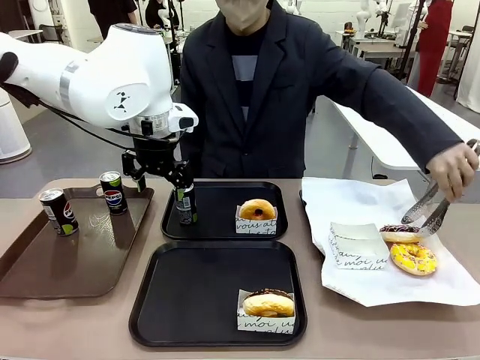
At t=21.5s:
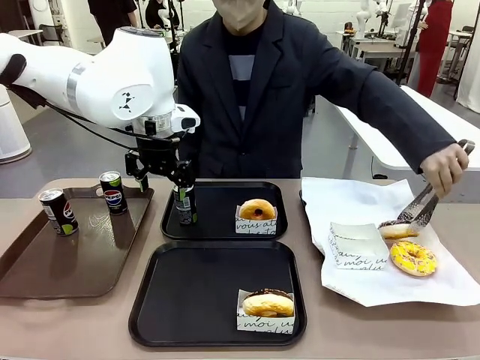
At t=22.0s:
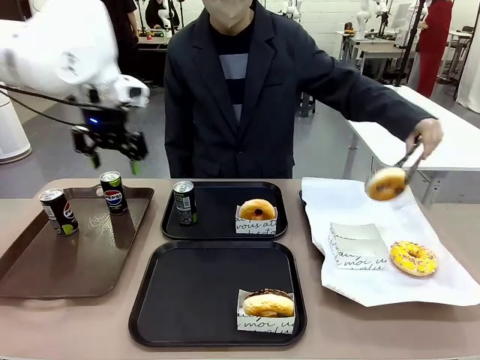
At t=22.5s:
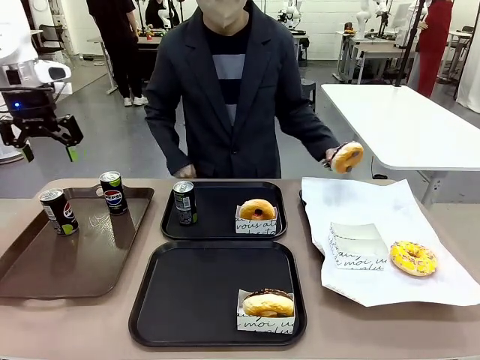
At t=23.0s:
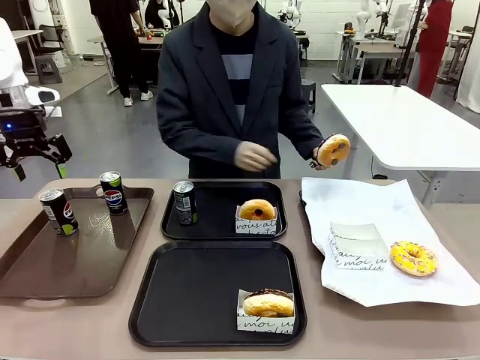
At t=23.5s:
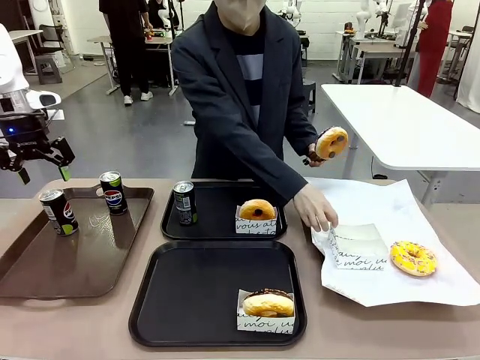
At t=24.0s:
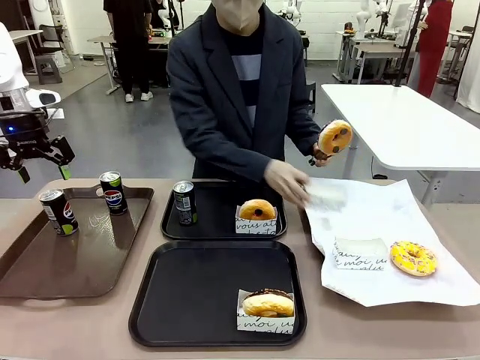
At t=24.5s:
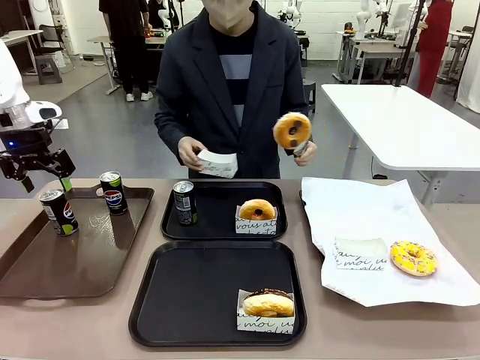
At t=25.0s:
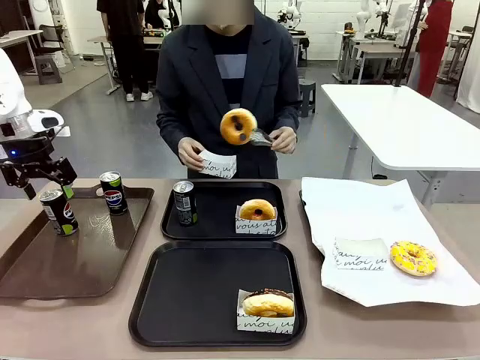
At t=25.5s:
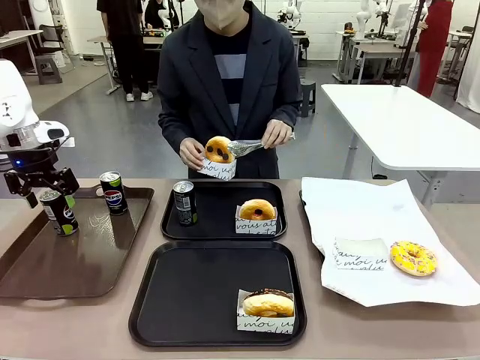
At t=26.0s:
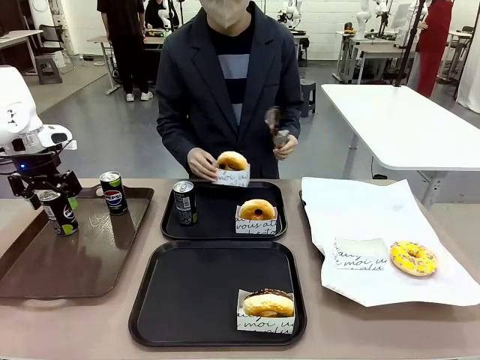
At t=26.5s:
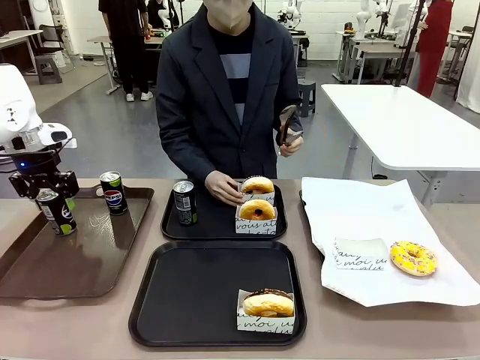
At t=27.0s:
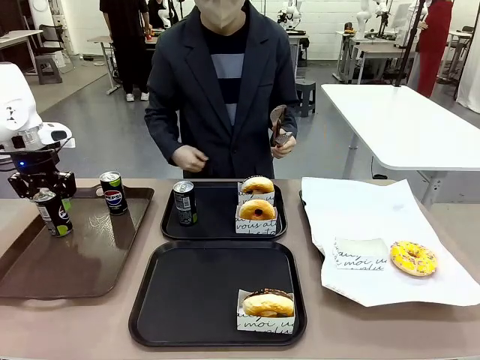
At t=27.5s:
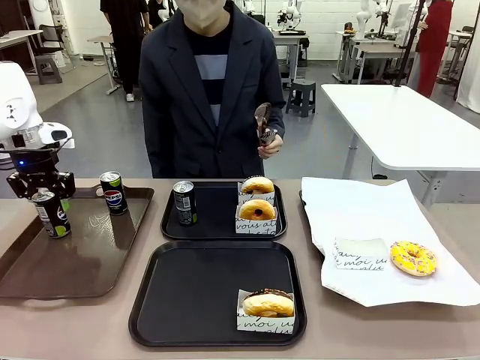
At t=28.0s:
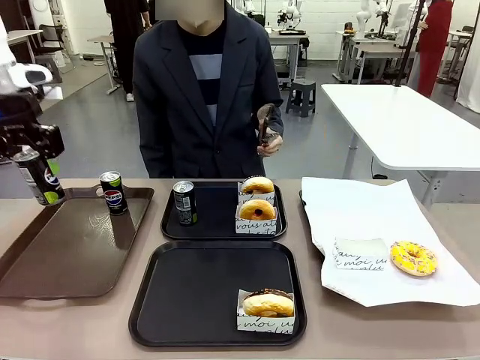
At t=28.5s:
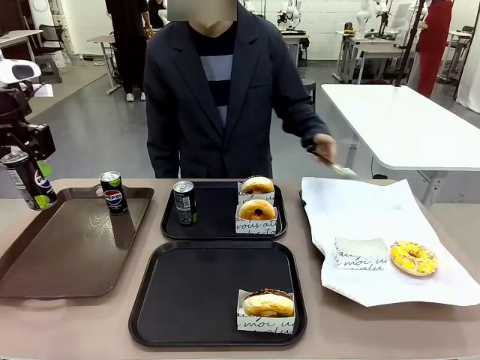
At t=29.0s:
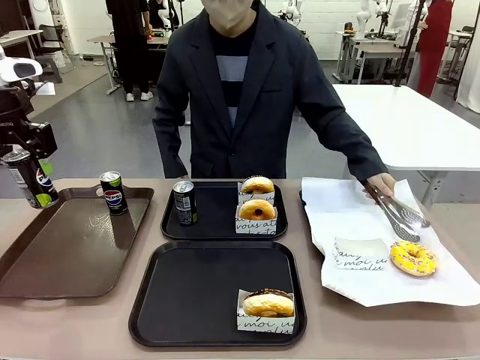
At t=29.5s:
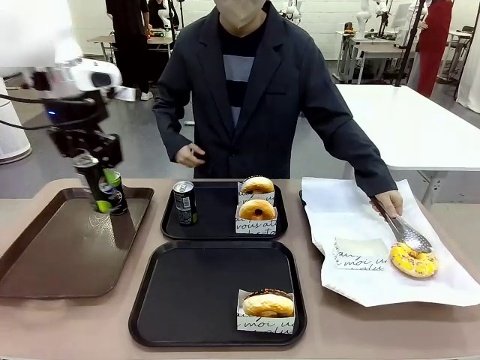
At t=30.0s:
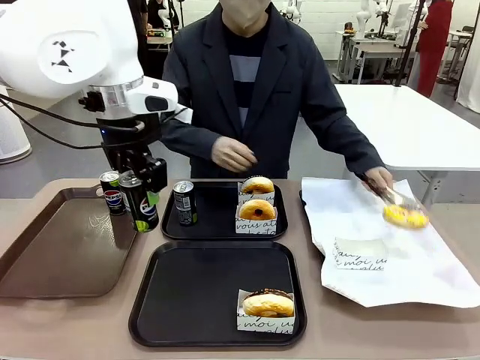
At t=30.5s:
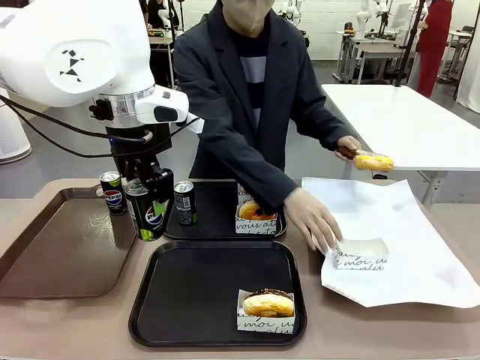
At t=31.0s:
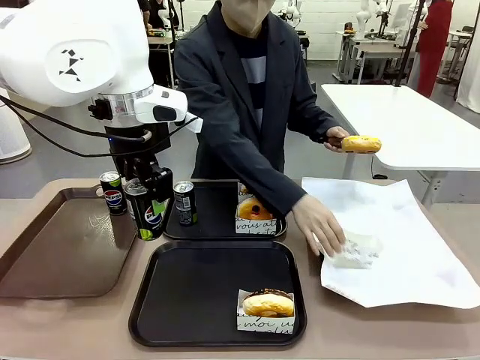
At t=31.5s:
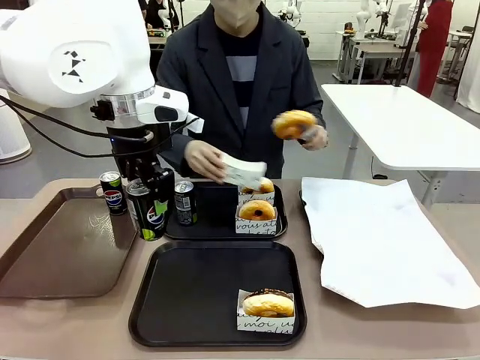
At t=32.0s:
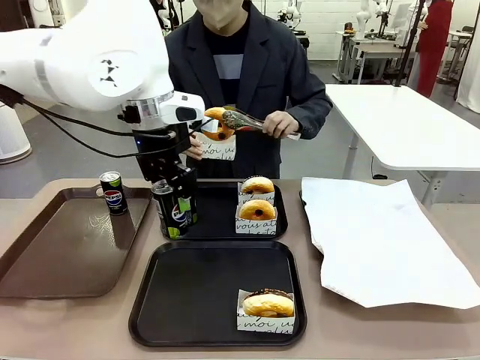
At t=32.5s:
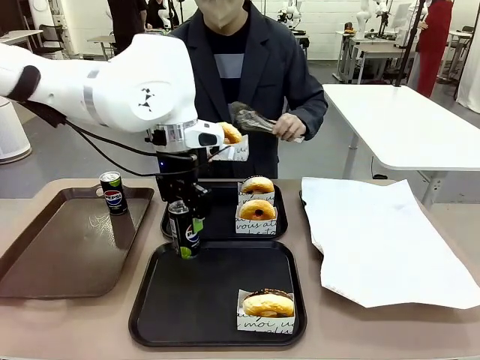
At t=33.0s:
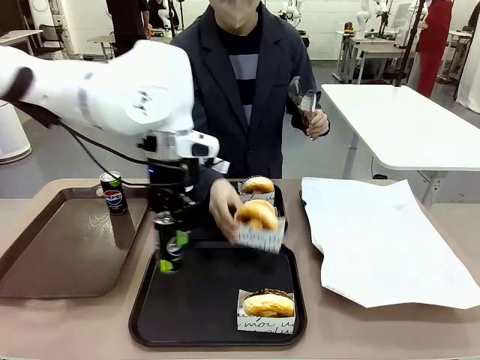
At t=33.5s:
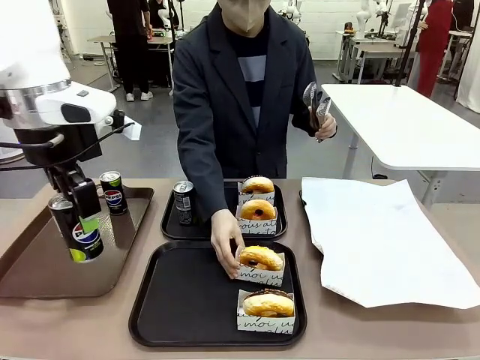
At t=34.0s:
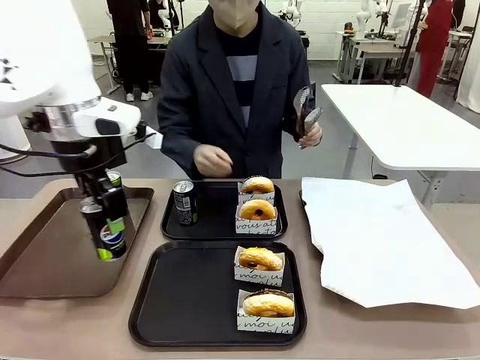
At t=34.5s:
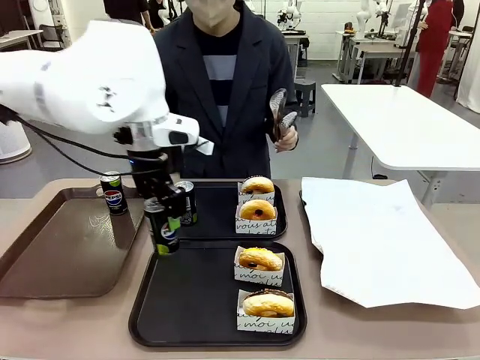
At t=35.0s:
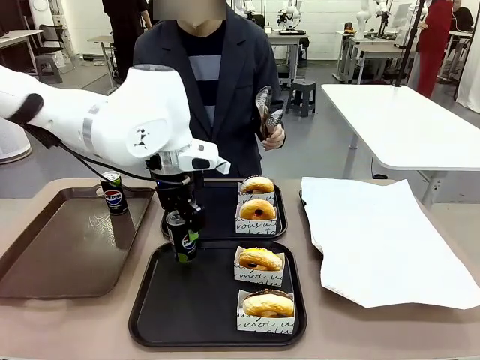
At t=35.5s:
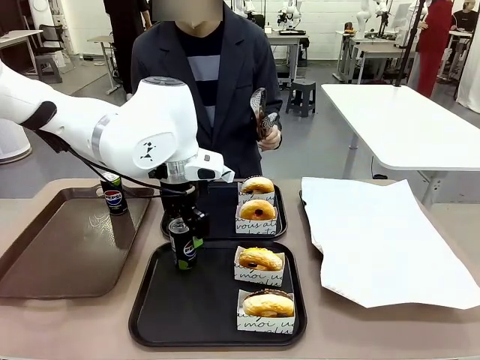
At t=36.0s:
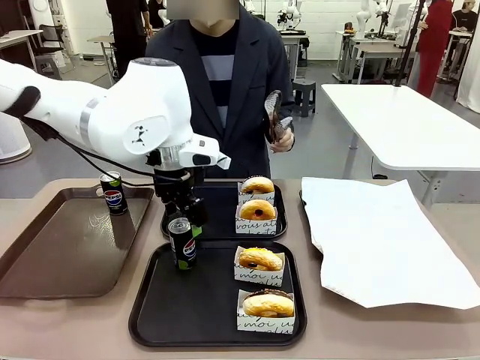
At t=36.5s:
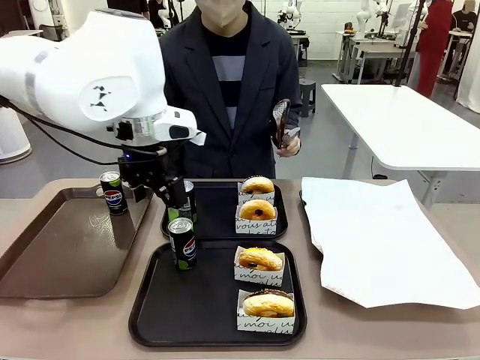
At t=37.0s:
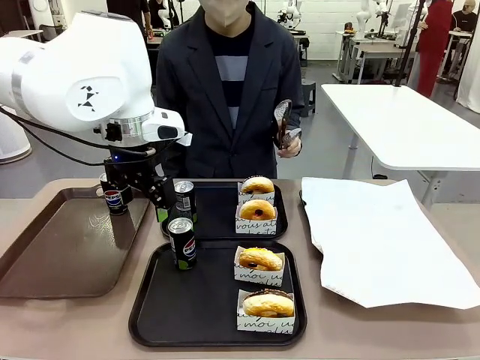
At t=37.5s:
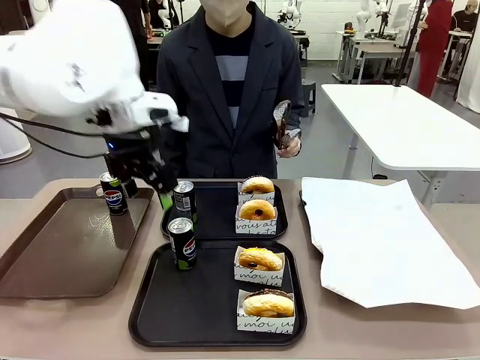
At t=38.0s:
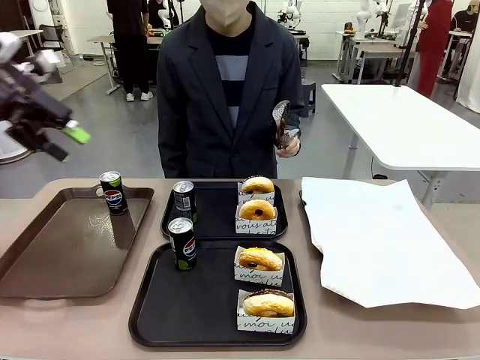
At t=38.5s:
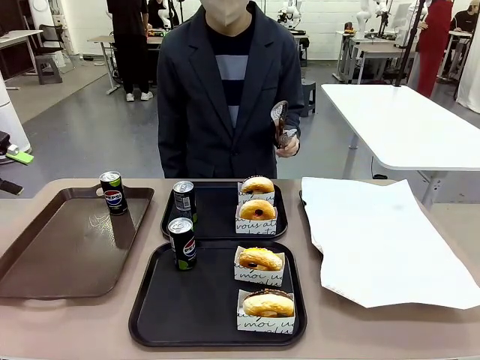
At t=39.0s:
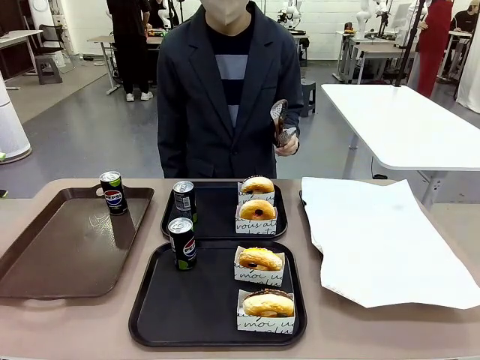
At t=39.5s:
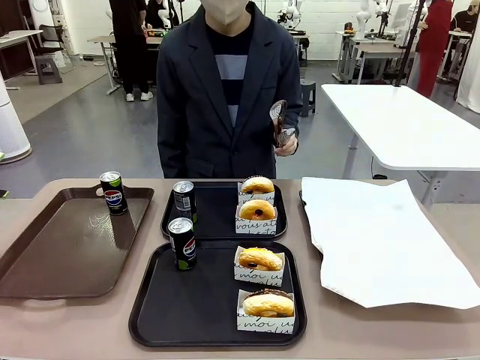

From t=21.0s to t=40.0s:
Task: Set up donuts and drinks on trays.
Robot: Pick up one Pepsi coke from the Handle tray and place it on the Flat Tray without a Pepsi coke.
